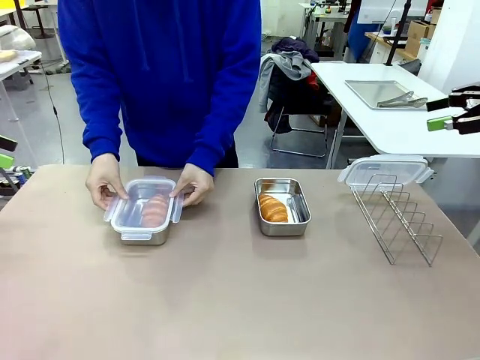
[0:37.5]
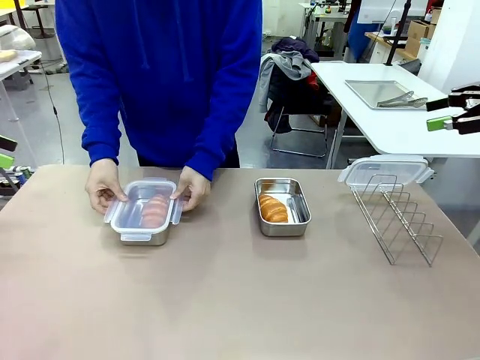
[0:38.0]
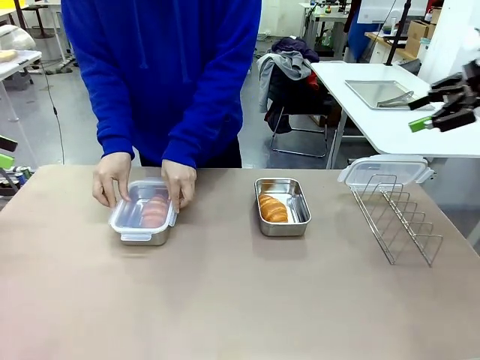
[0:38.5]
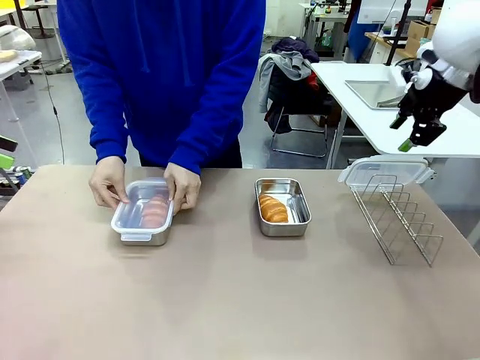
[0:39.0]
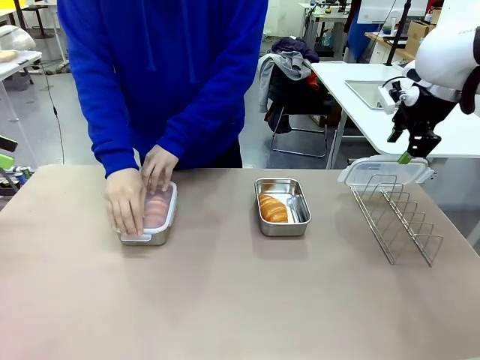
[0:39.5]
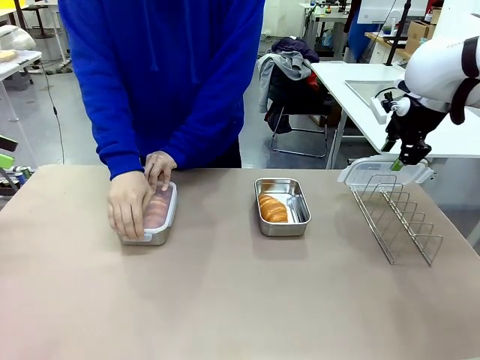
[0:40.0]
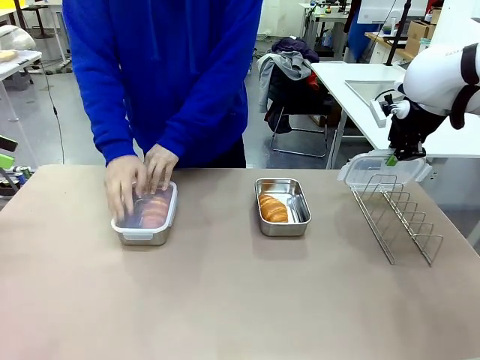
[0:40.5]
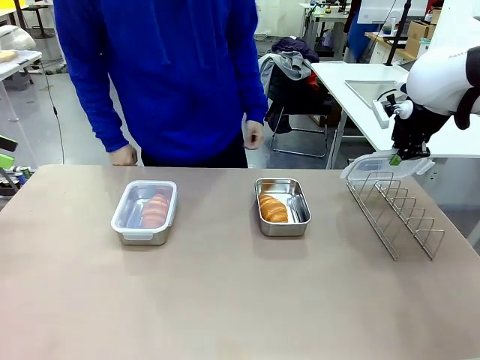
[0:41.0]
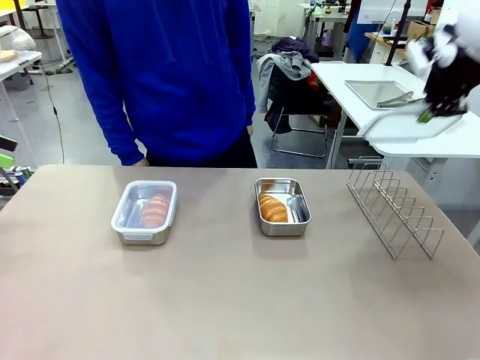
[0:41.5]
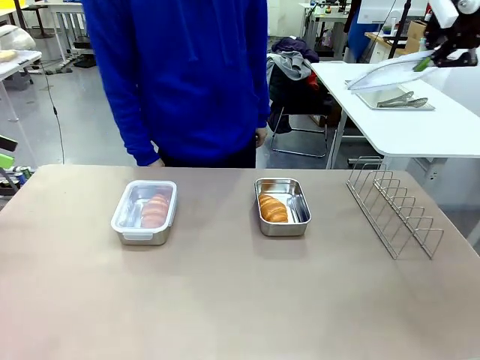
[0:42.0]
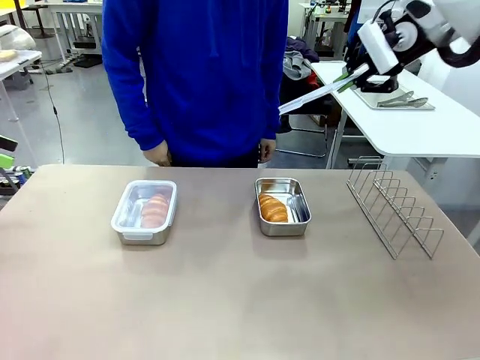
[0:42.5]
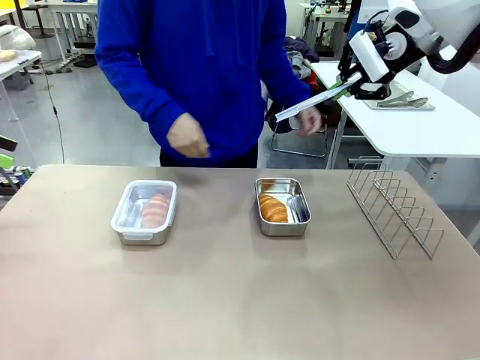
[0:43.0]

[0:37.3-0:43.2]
Task: Place the bread in airtight containers.
Robot: Pick up one Airtight Container lid and hand it to the human.
Person: Close Airtight Container with a handed Airtight Container lid. Grip Airtight Container lid that robot is handing.

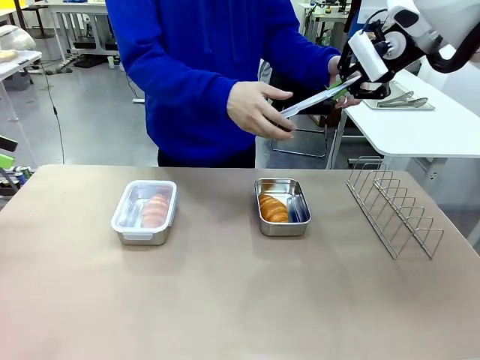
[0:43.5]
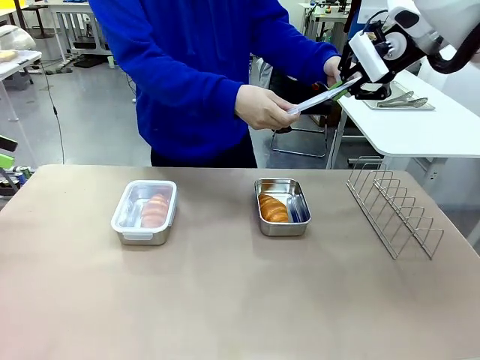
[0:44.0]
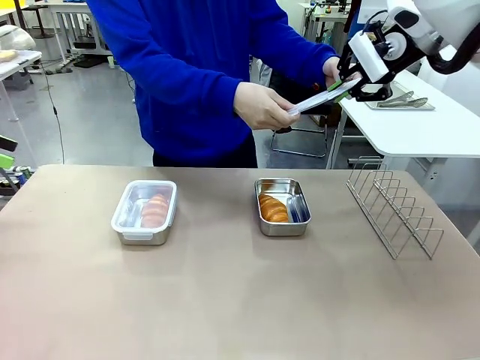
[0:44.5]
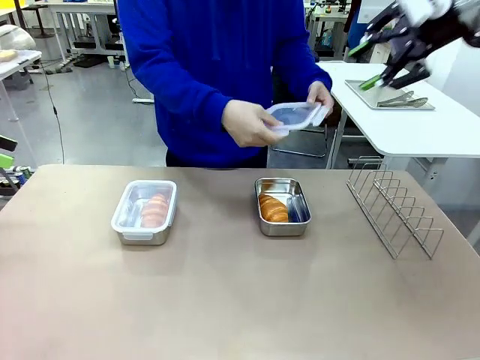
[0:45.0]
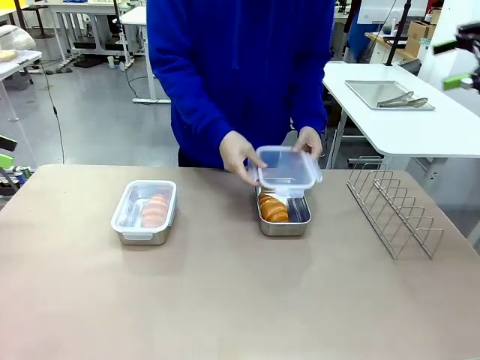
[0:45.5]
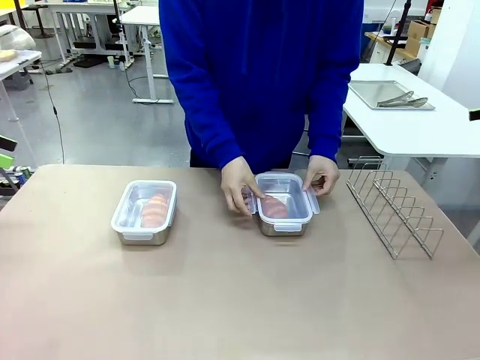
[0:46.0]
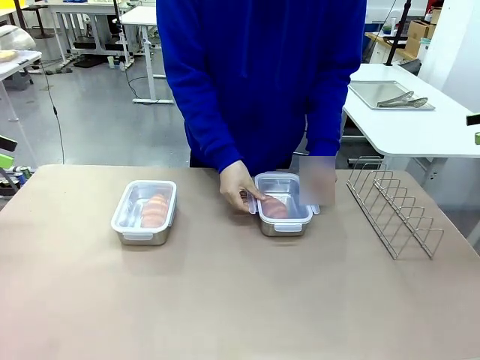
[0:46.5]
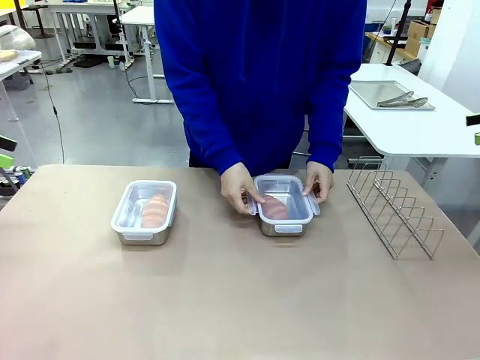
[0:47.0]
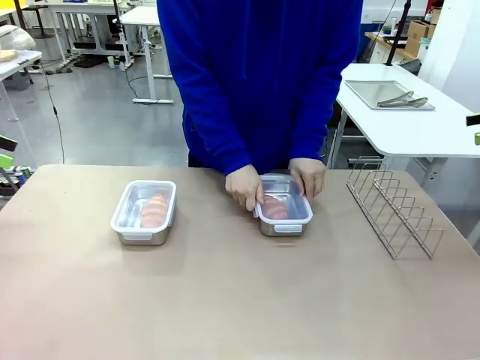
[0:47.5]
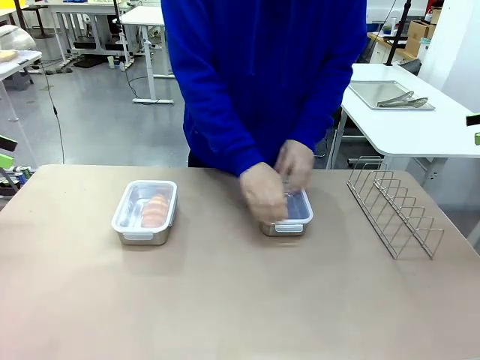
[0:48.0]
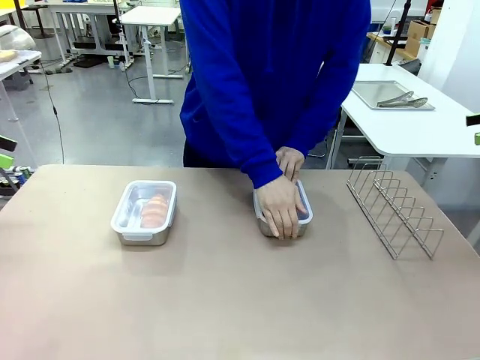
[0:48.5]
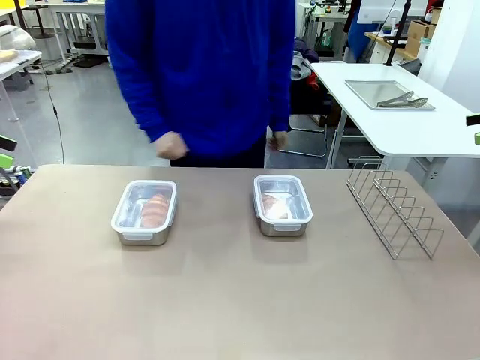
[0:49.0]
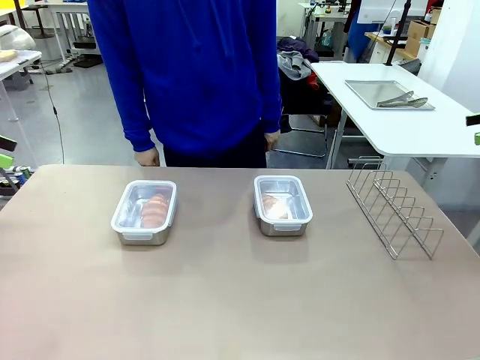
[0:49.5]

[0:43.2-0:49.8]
Robot: Release when the human grabs the Airtight Container lid.
Person: Close Airtight Container with a handed Airtight Container lid.

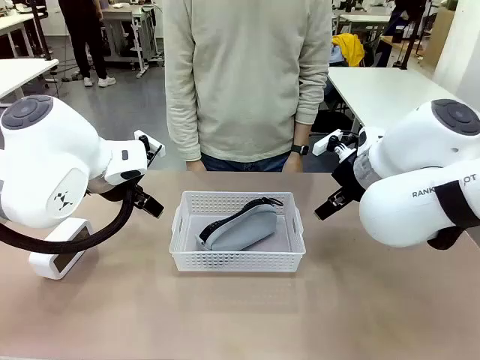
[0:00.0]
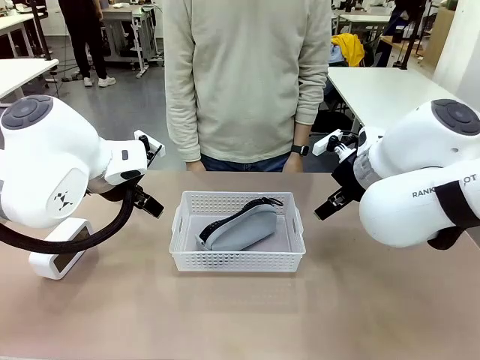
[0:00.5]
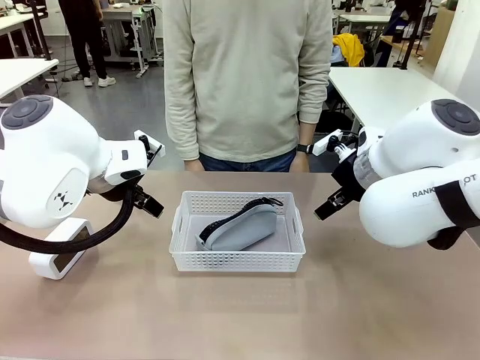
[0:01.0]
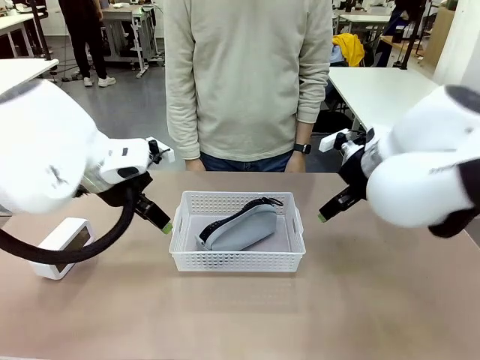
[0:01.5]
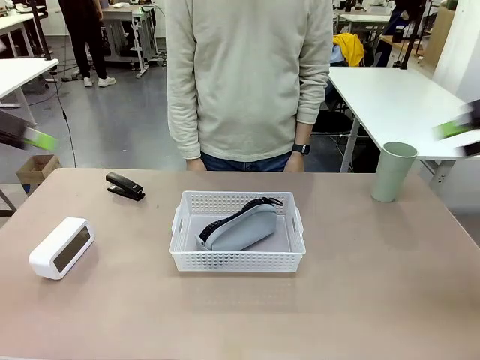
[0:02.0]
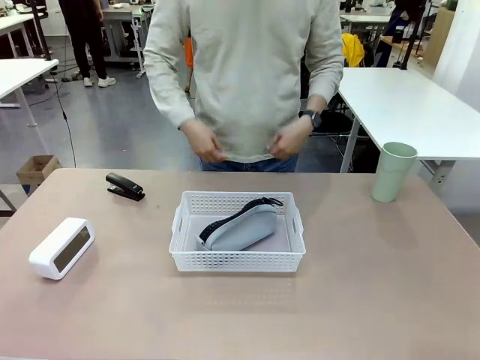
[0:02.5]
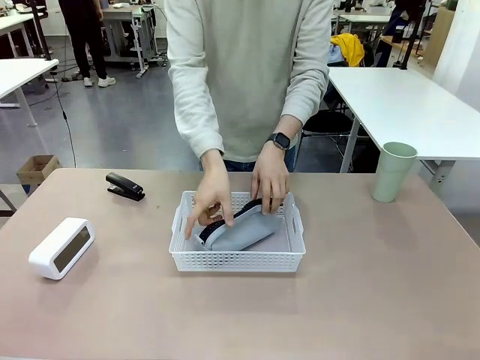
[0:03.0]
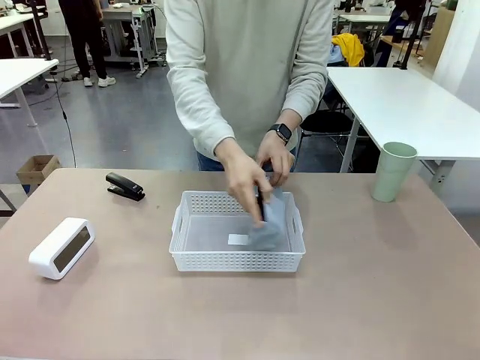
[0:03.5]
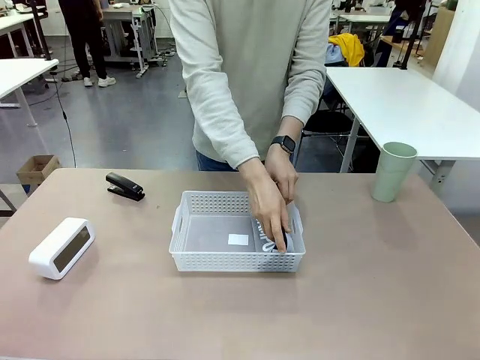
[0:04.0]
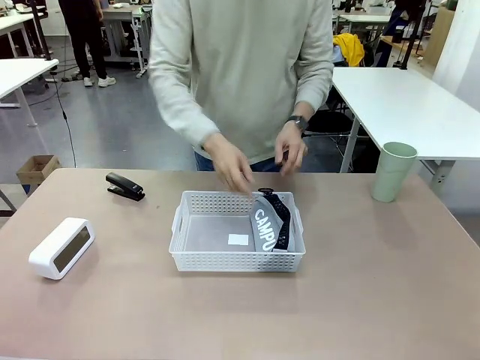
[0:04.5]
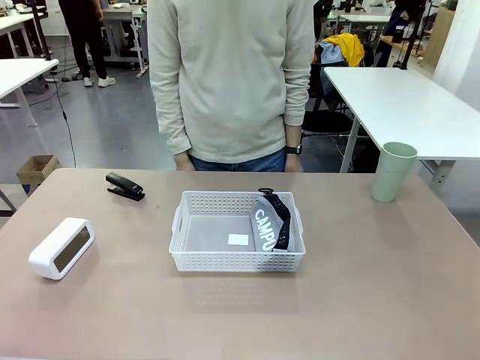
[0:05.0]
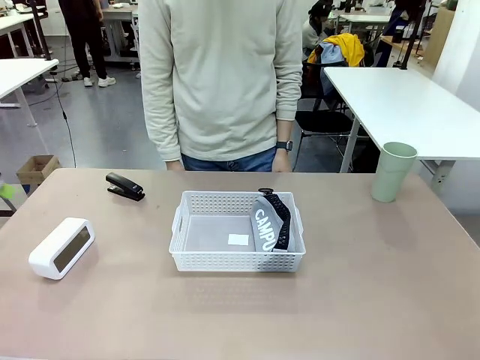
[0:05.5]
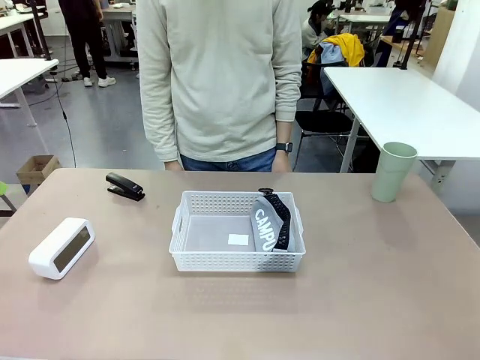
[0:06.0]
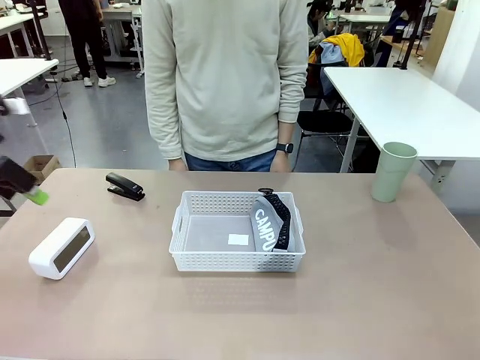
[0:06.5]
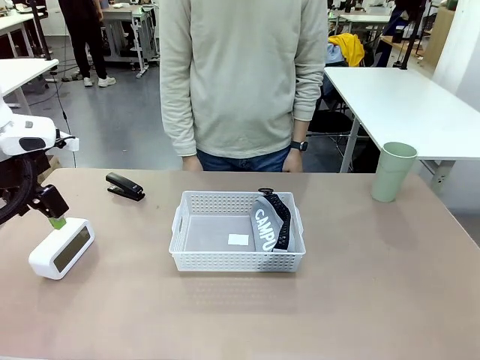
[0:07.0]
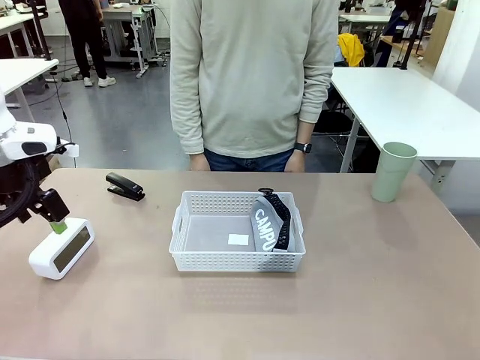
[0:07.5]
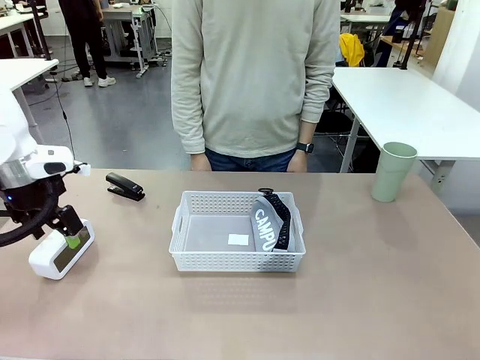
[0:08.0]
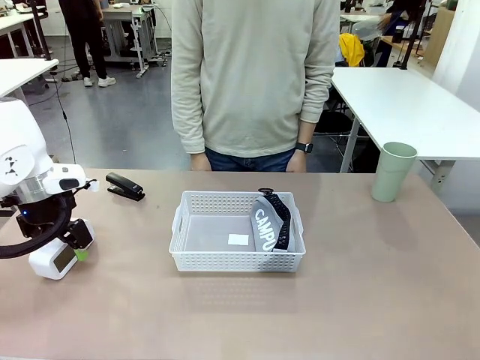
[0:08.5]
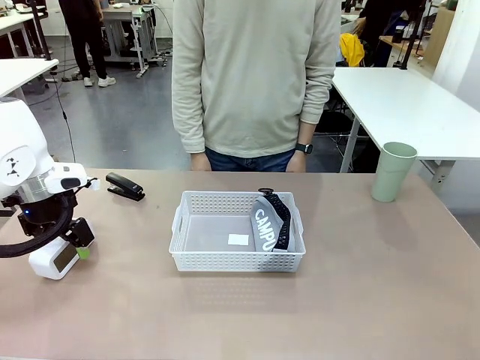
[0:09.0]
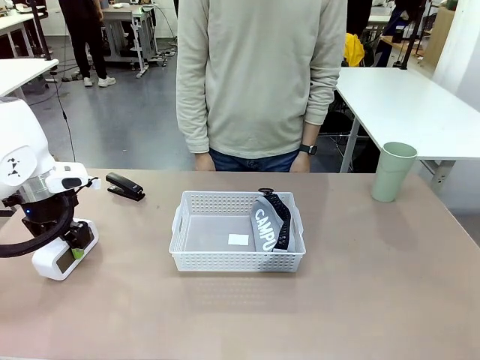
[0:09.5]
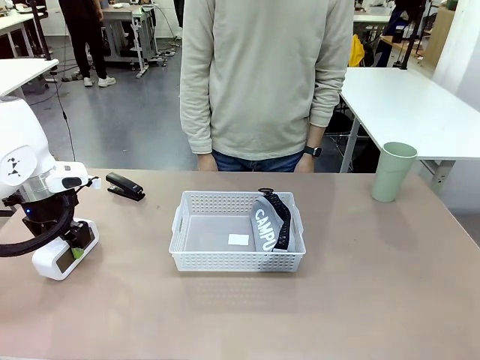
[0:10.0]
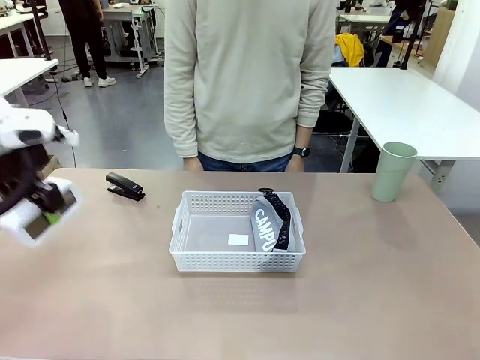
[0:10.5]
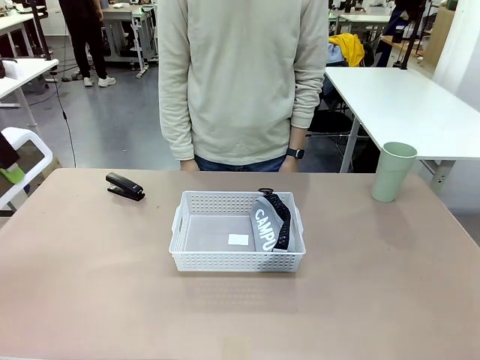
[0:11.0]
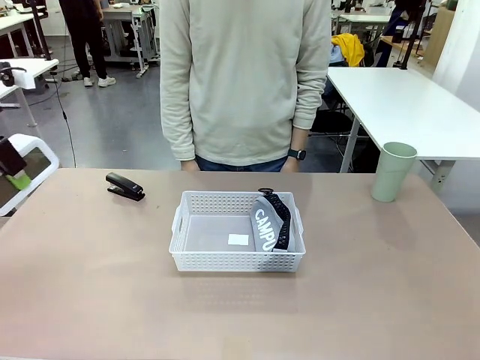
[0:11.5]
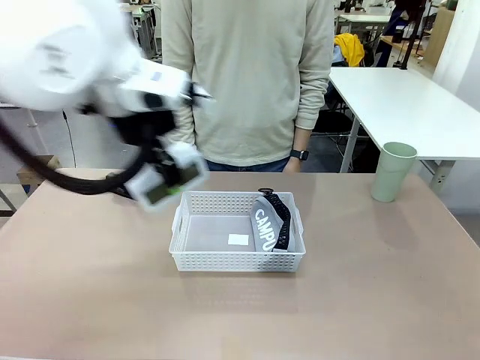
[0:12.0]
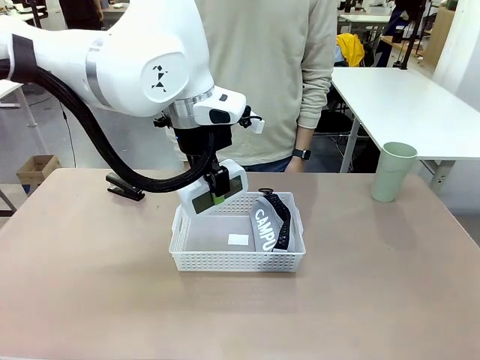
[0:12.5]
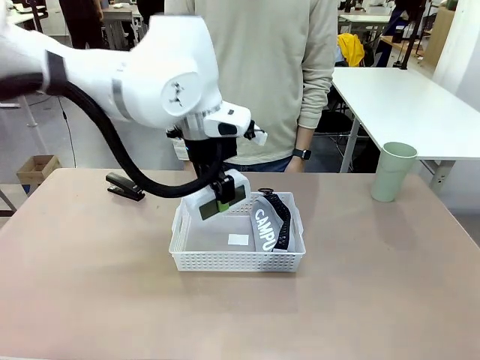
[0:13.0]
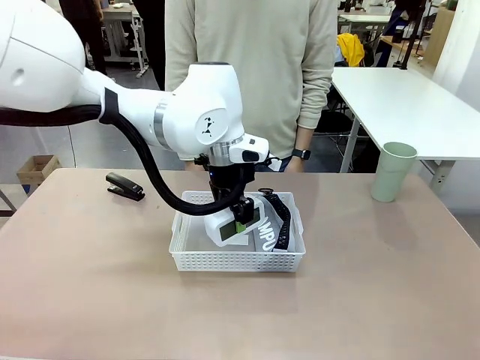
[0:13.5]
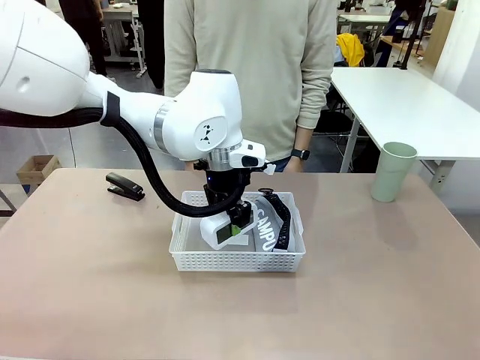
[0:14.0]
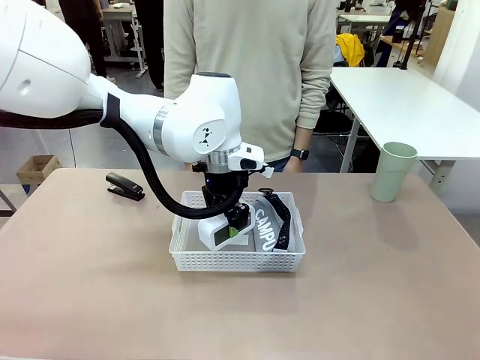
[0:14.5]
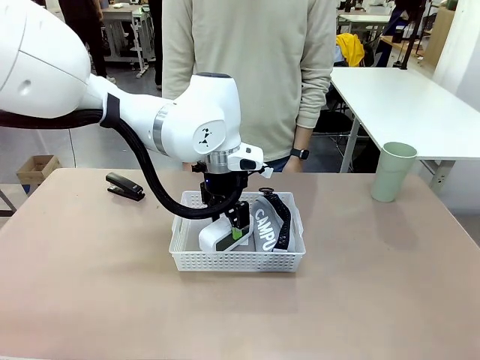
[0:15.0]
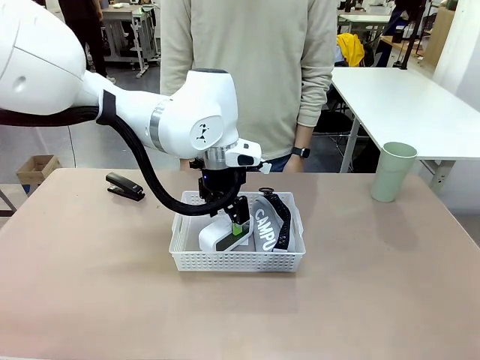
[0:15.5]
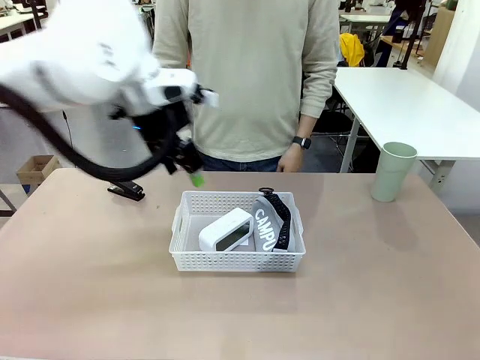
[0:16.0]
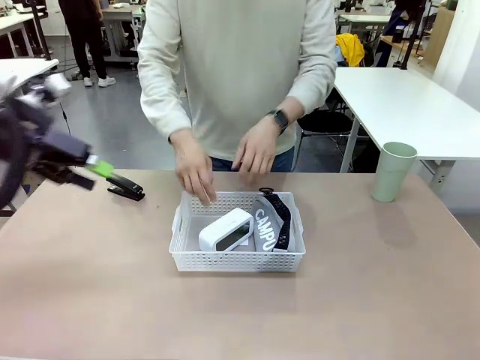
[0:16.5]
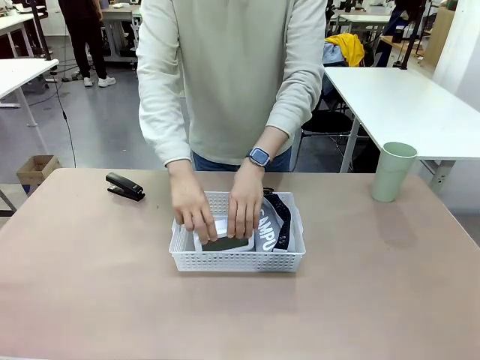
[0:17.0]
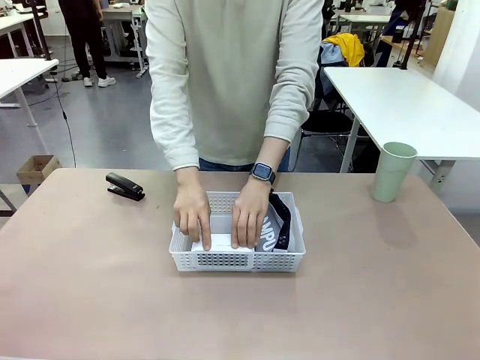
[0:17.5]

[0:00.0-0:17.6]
Task: Efficiently arrange items inside the basket to fit them all.
Robot: Pick up the Digital clock and place it inside the Organizing basket.
Person: Repositions the pencil case. Repositions the digital clock.
